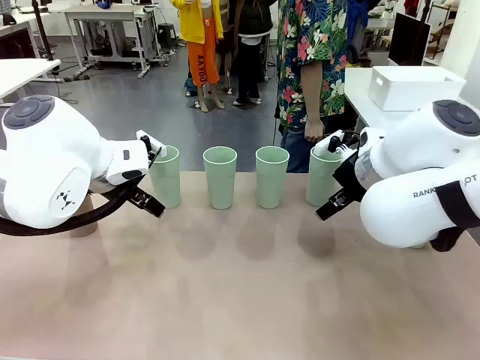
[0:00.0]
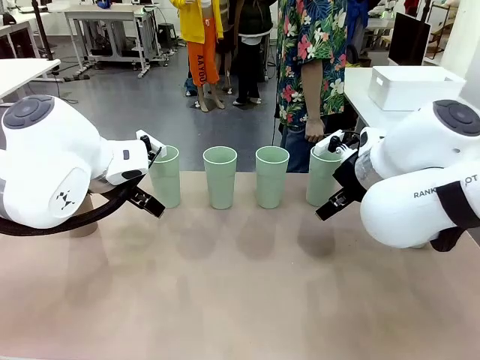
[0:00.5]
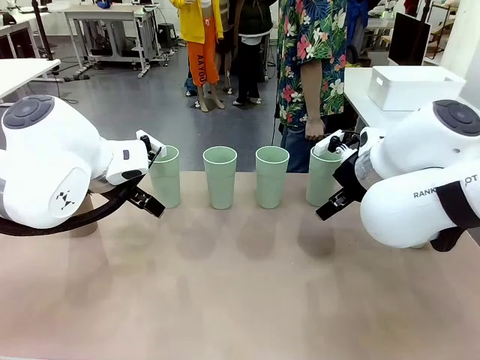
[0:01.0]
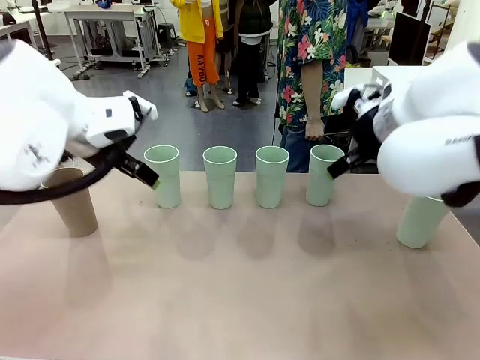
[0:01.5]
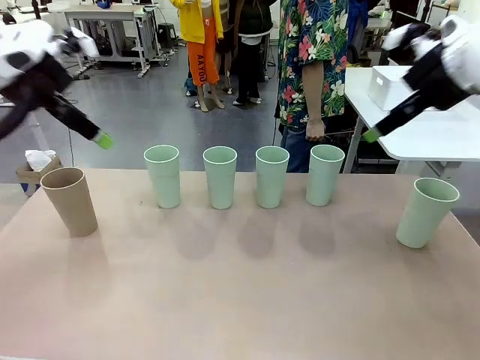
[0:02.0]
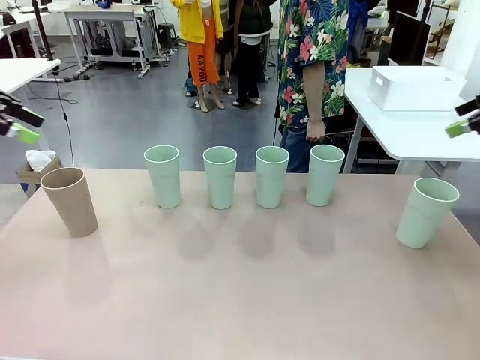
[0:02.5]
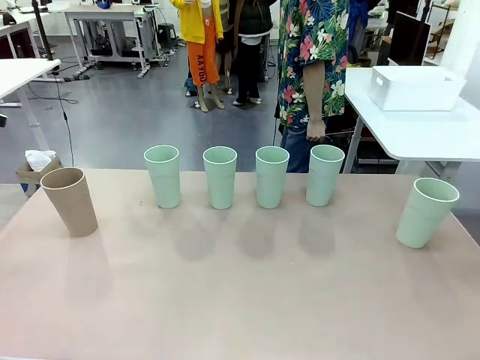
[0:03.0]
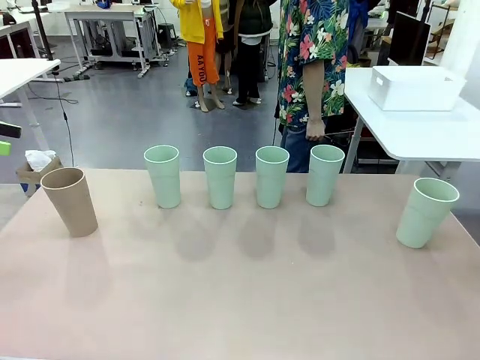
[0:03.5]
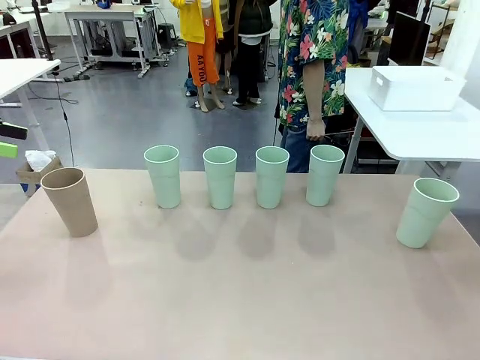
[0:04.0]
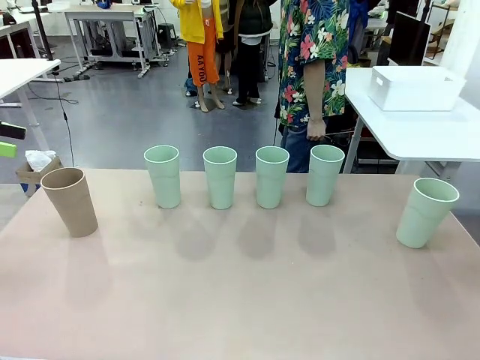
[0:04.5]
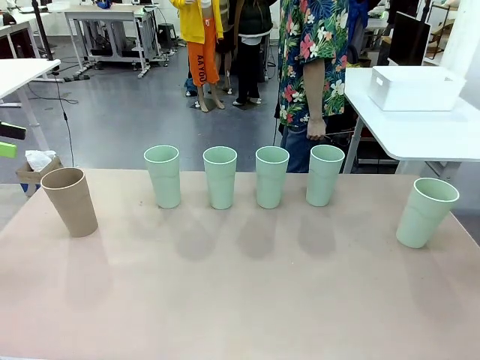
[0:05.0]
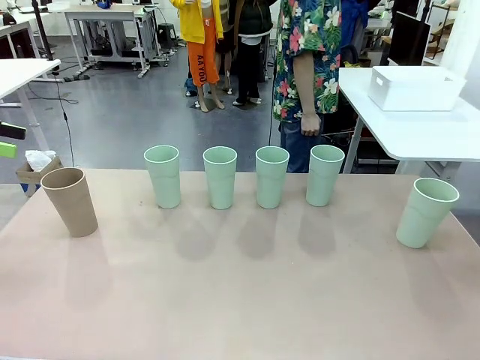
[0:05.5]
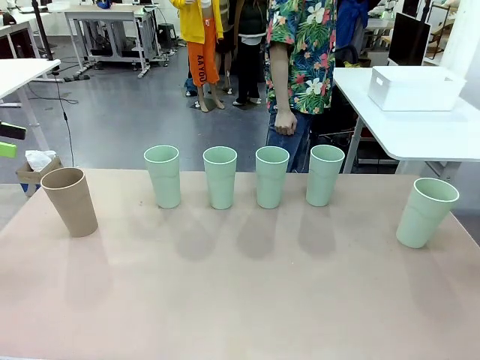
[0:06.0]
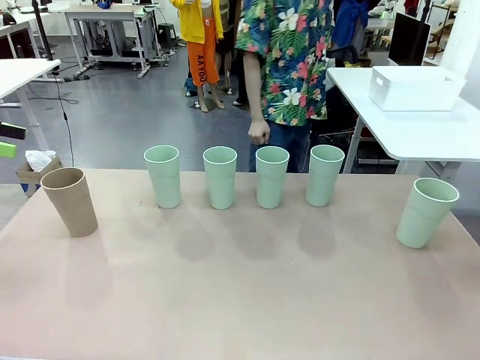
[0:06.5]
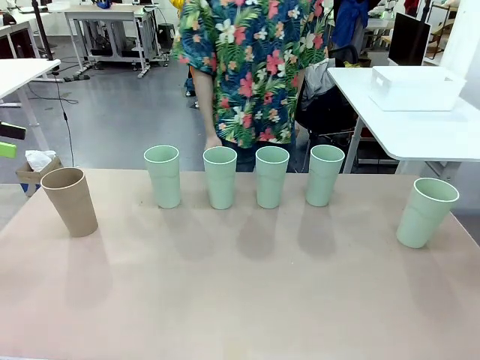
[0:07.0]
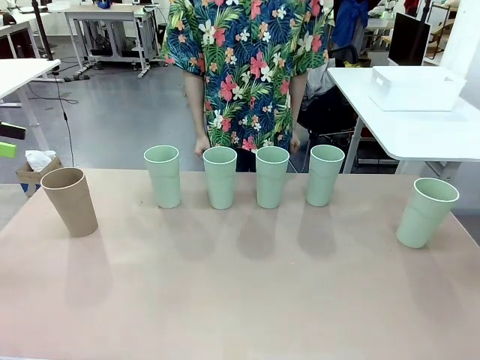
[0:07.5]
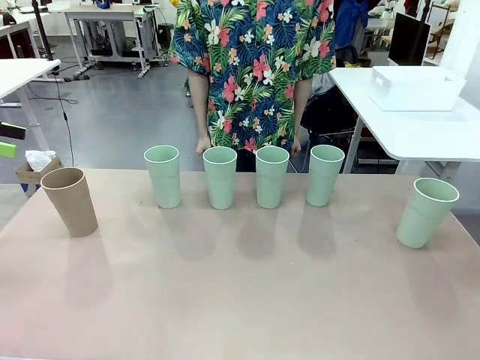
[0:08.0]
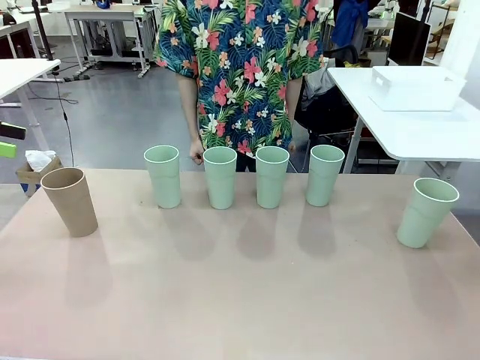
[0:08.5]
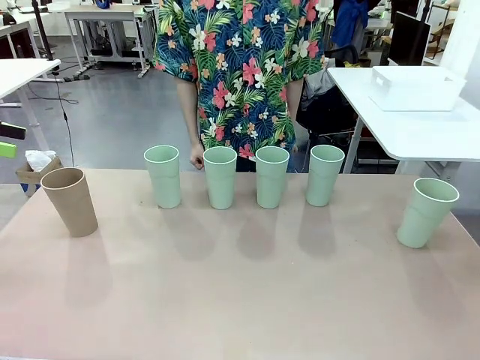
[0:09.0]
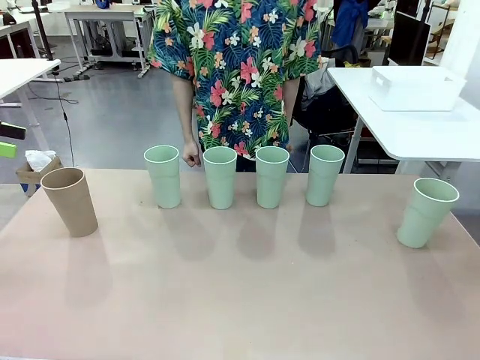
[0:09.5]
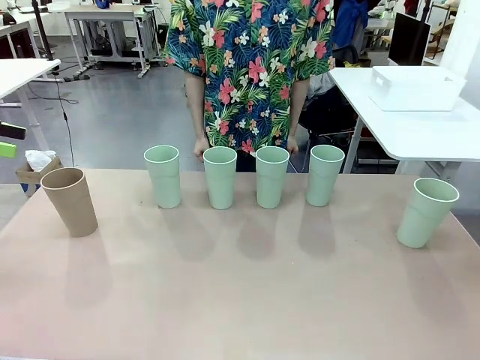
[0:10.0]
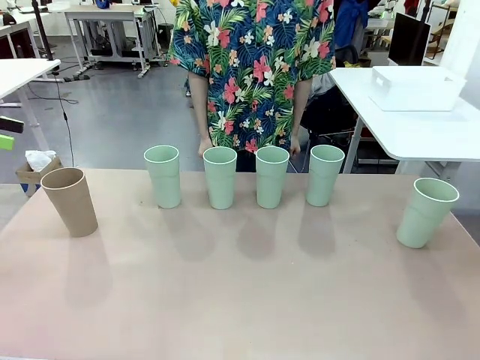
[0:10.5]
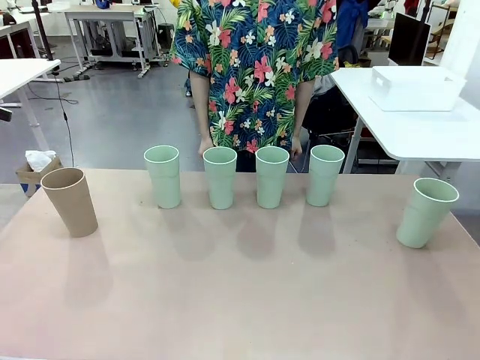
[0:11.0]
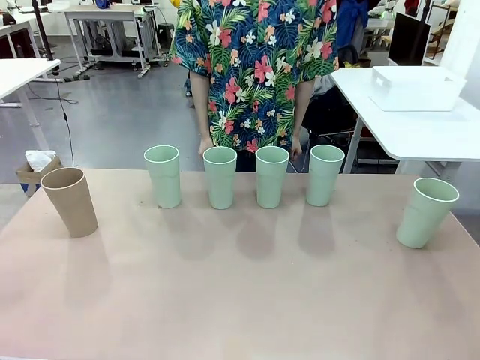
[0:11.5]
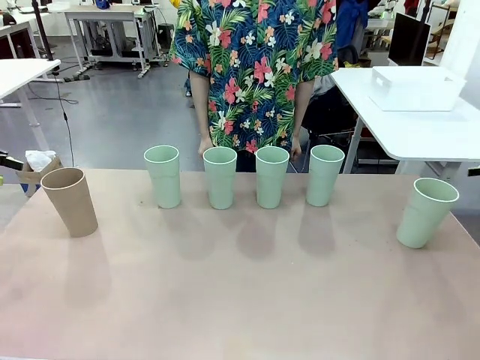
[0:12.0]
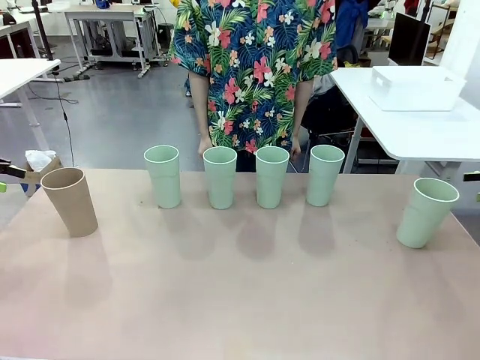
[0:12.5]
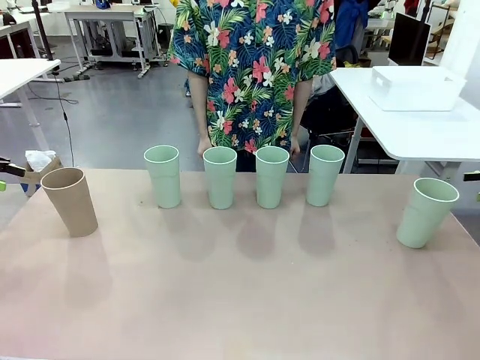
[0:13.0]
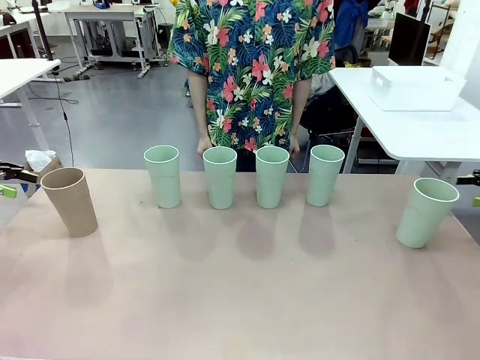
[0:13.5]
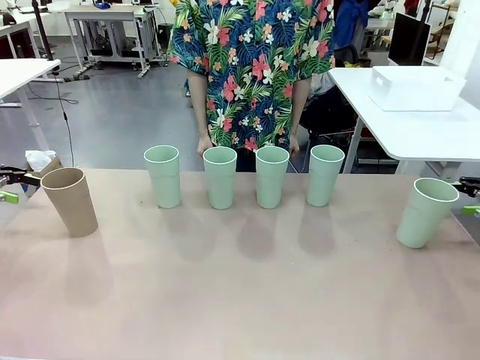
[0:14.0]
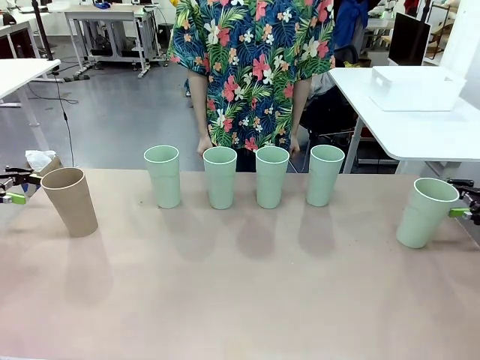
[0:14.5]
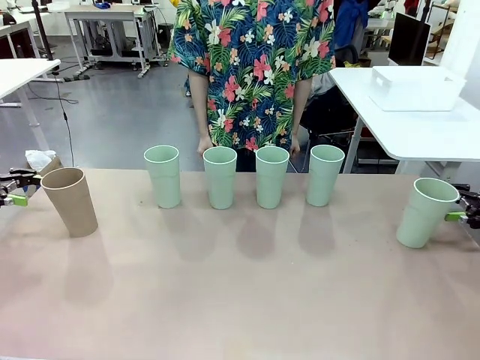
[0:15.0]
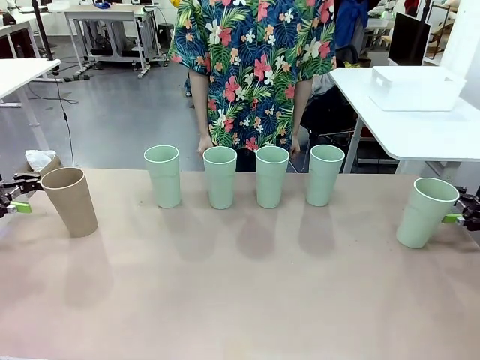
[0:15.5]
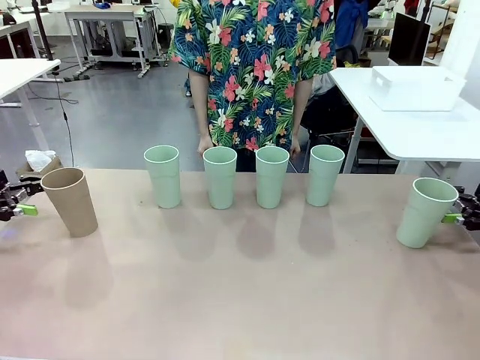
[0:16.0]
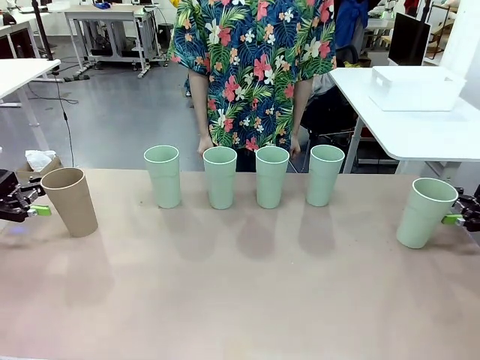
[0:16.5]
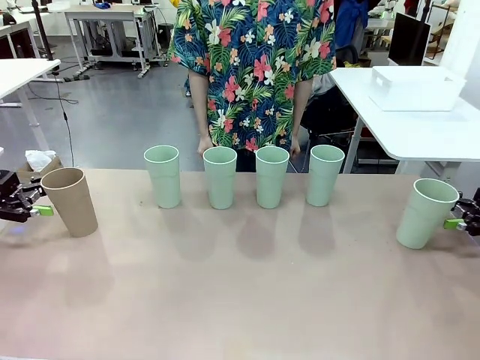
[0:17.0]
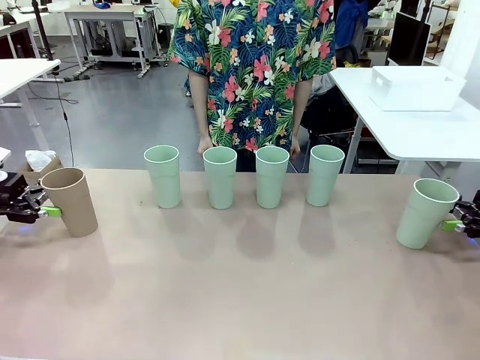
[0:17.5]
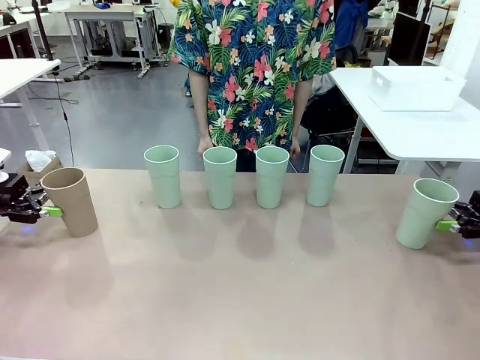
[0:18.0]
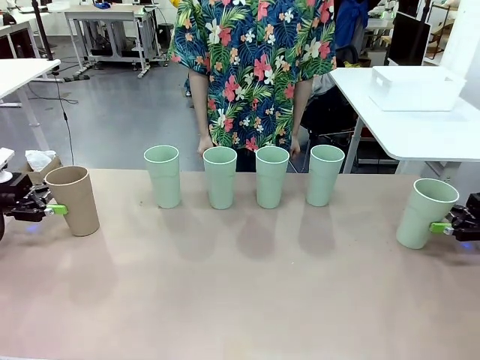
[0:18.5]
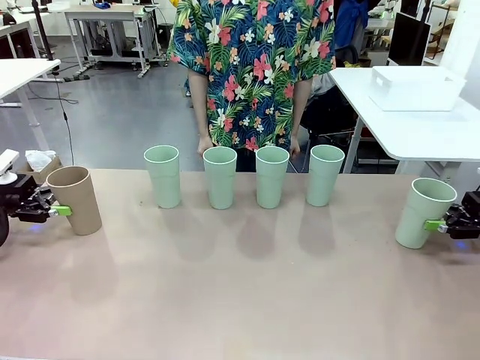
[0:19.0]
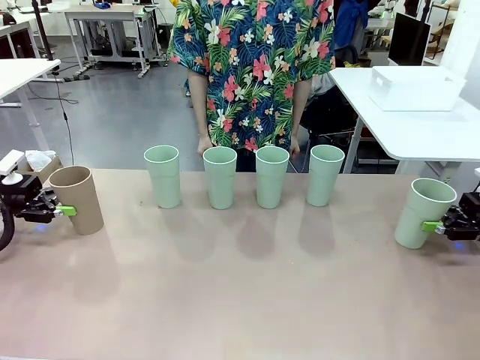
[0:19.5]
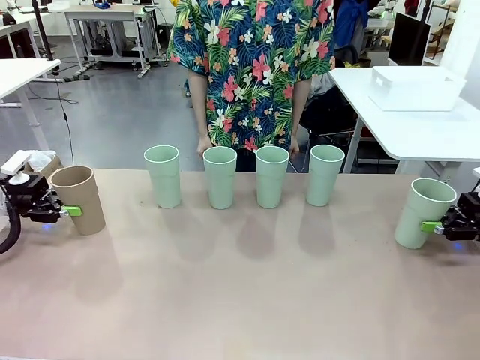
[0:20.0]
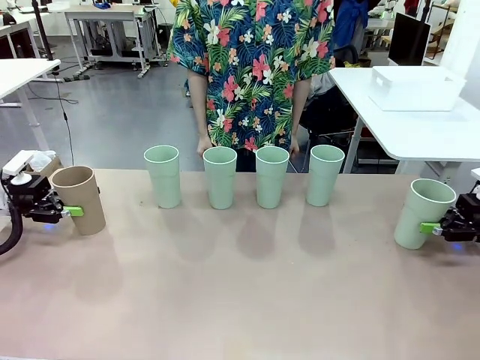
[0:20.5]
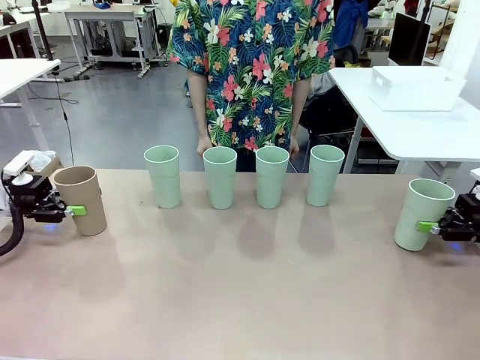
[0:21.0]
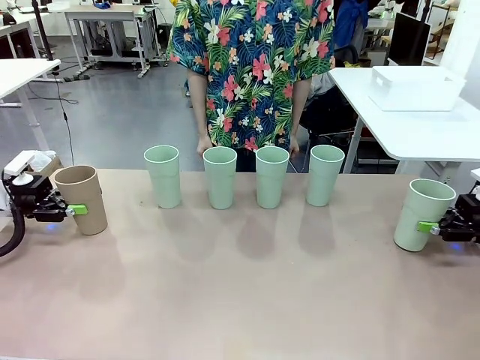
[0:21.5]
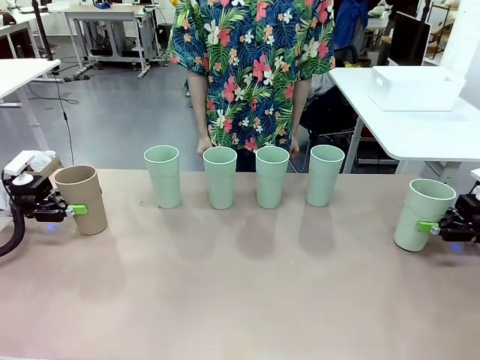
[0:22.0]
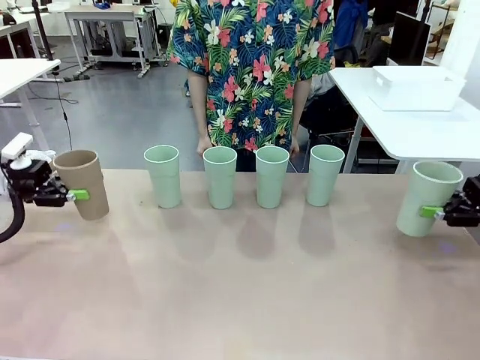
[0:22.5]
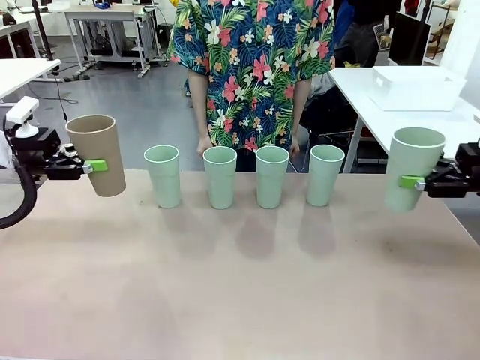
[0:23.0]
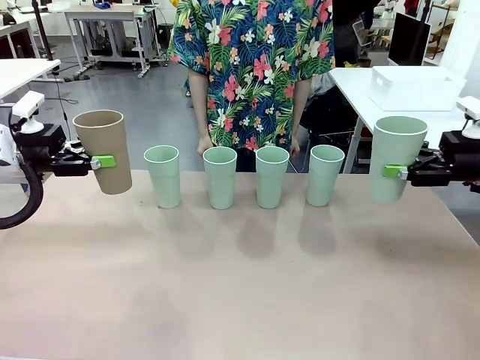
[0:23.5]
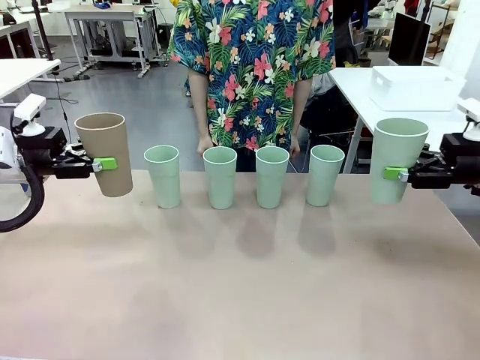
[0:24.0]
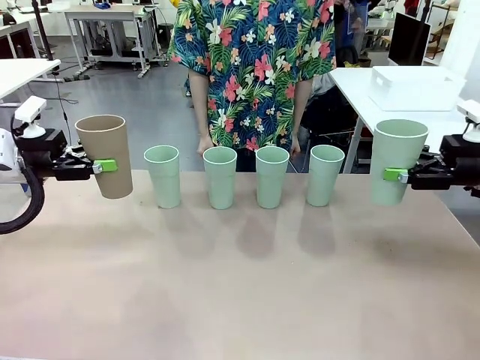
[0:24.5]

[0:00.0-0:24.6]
Task: Stack the cups and store them in the basket.
Robot: Pick up two Reusable plastic cups , one in each hand.
Person: Move from the Human Table to the front of the Robot Table. Stack two of the remaining cups on top of each cup held by the robot.
